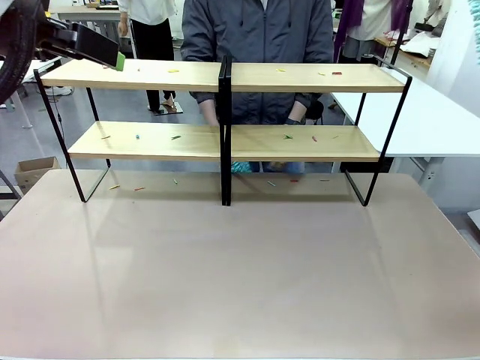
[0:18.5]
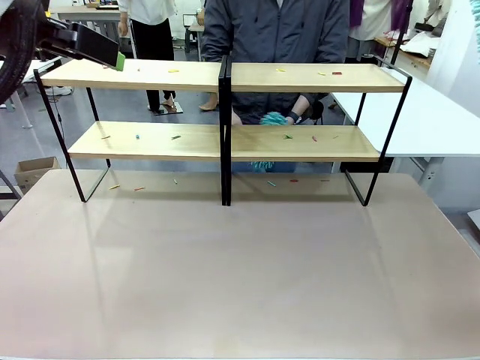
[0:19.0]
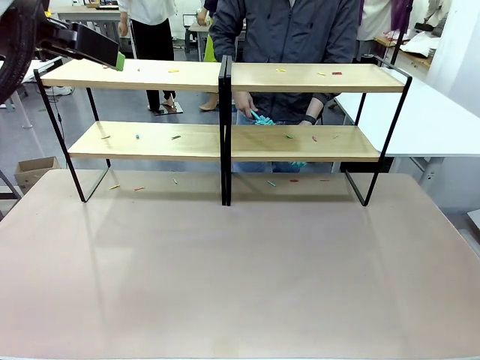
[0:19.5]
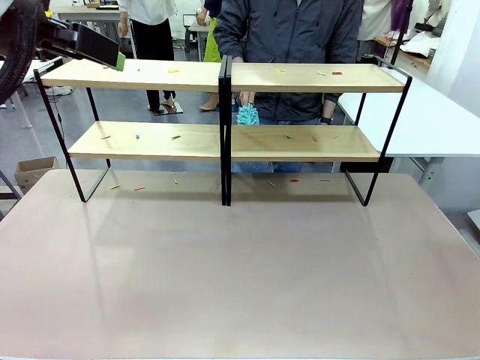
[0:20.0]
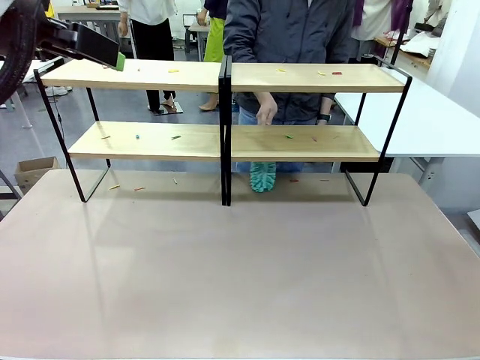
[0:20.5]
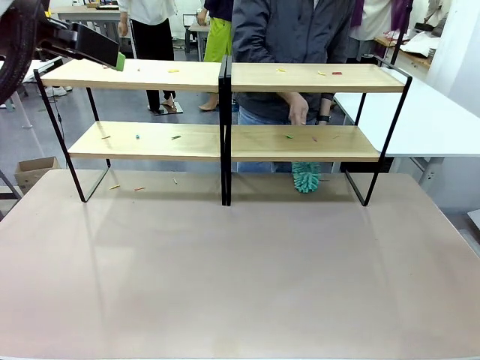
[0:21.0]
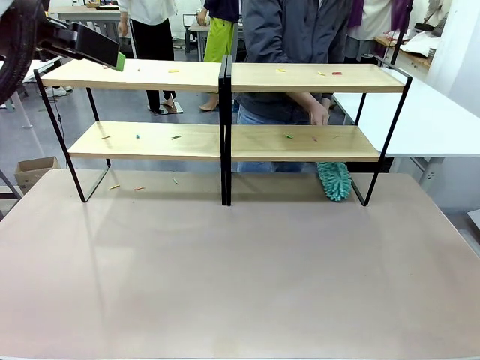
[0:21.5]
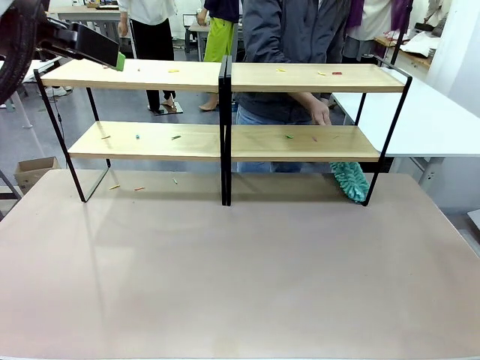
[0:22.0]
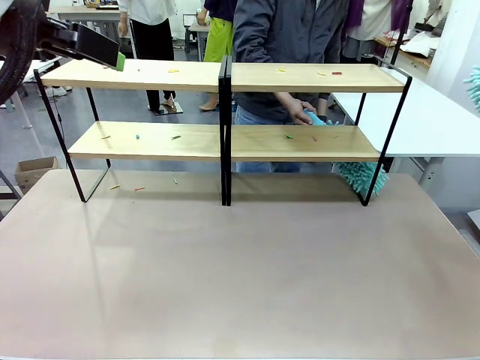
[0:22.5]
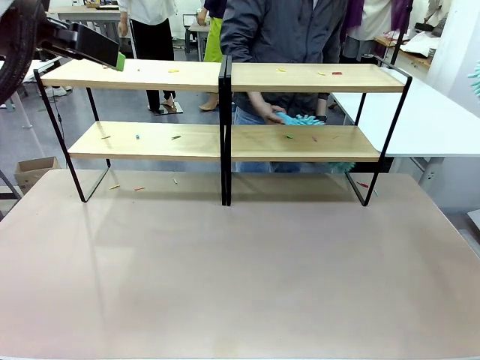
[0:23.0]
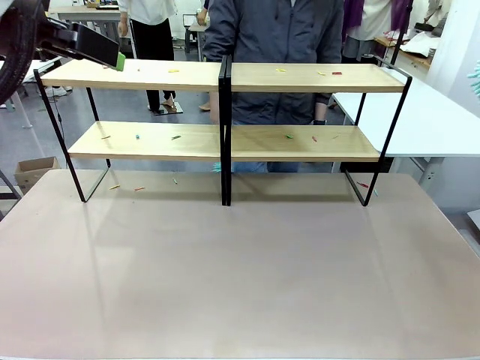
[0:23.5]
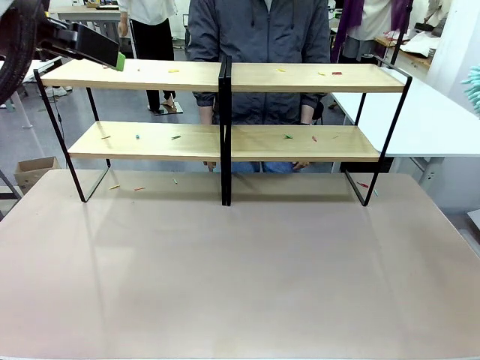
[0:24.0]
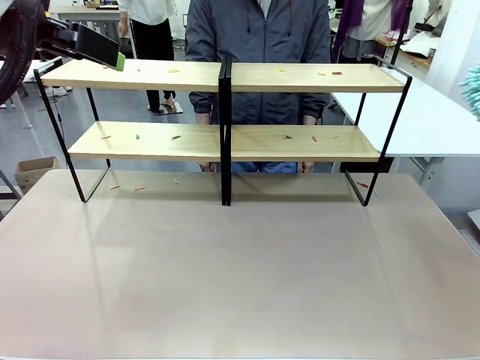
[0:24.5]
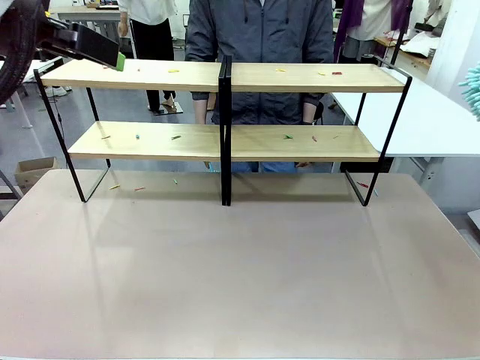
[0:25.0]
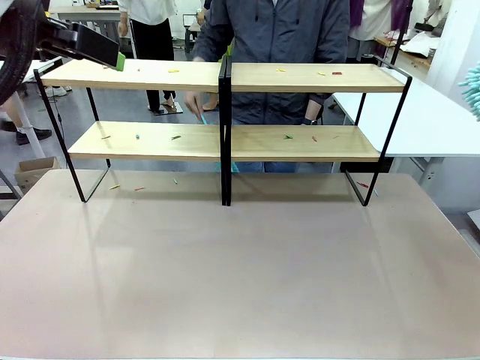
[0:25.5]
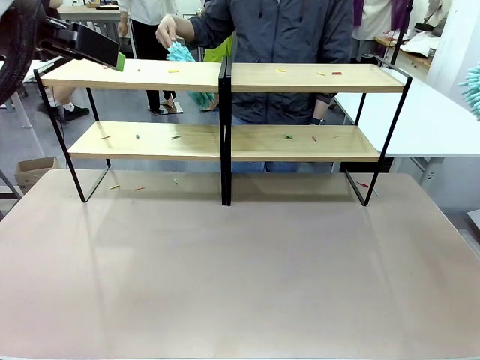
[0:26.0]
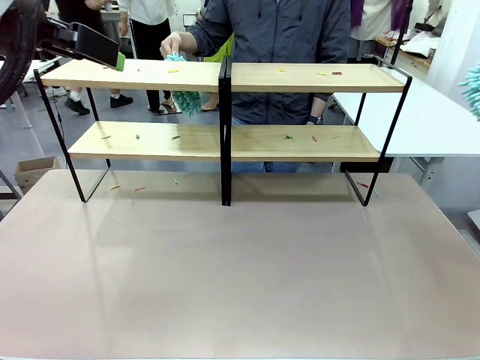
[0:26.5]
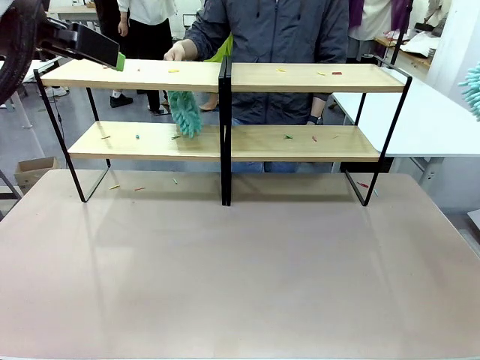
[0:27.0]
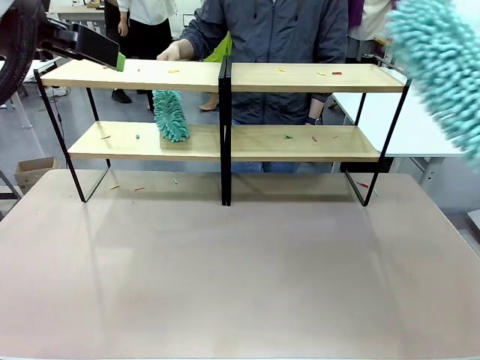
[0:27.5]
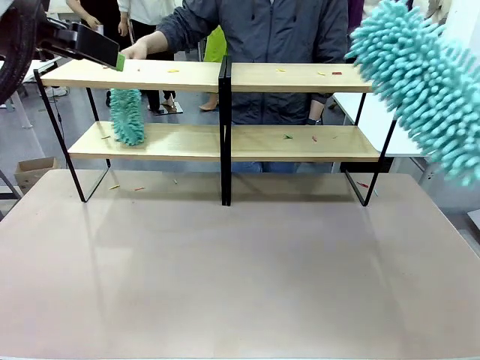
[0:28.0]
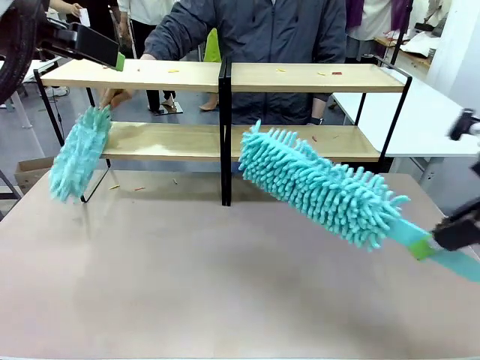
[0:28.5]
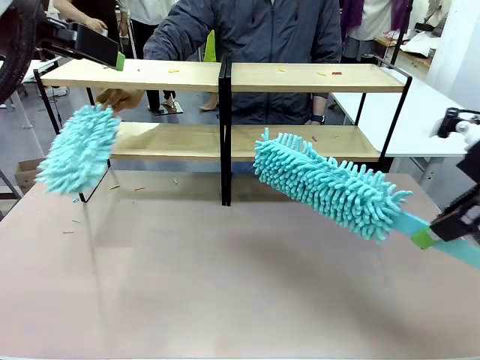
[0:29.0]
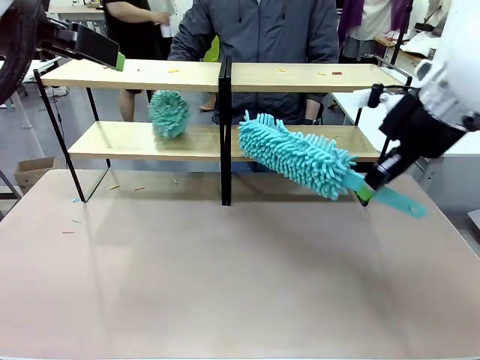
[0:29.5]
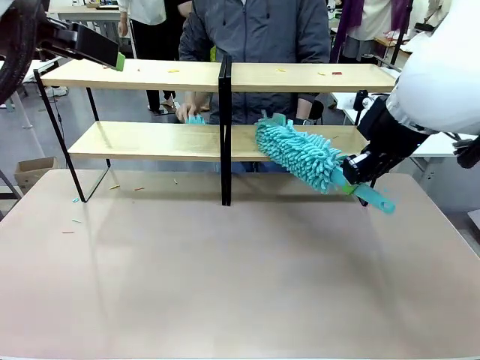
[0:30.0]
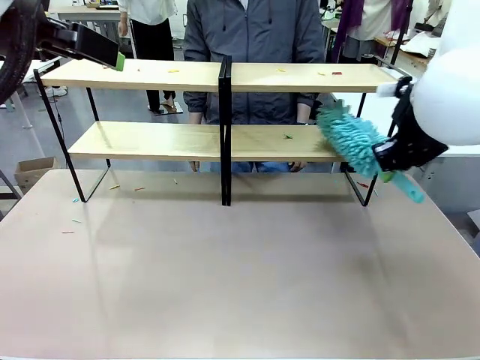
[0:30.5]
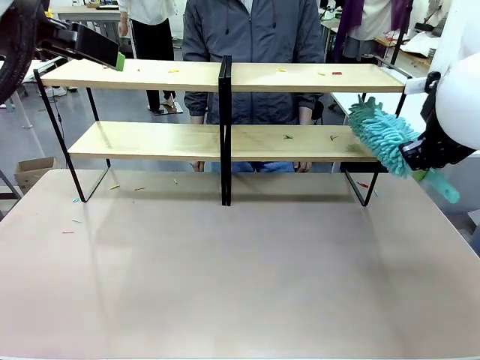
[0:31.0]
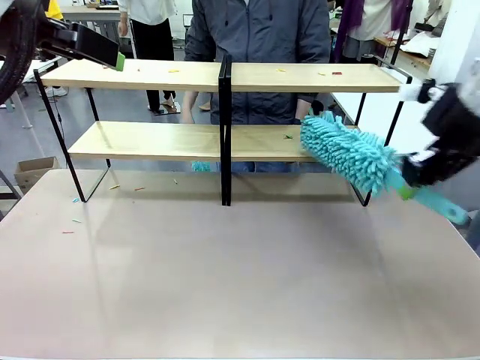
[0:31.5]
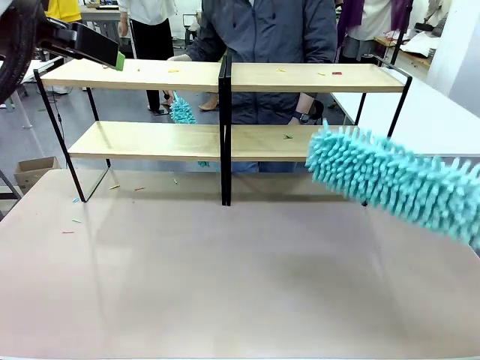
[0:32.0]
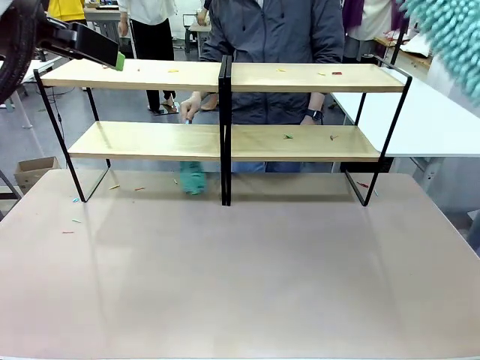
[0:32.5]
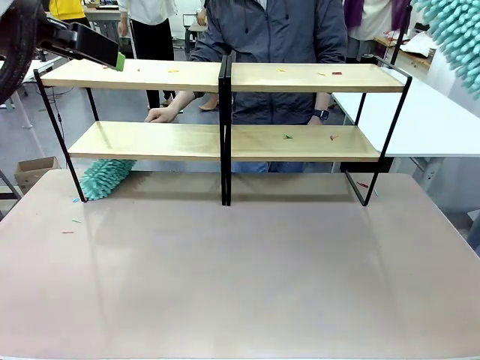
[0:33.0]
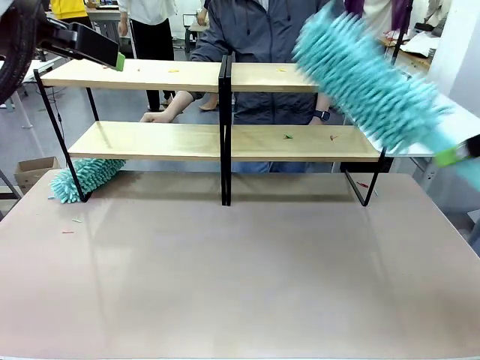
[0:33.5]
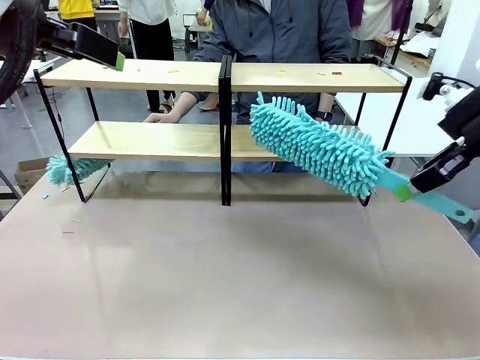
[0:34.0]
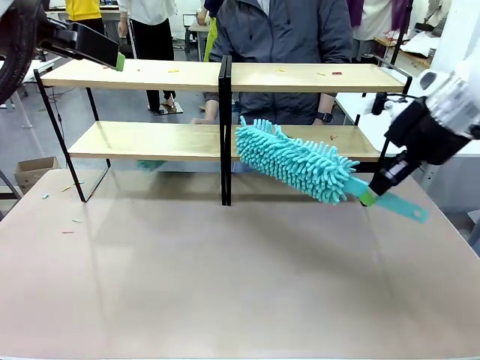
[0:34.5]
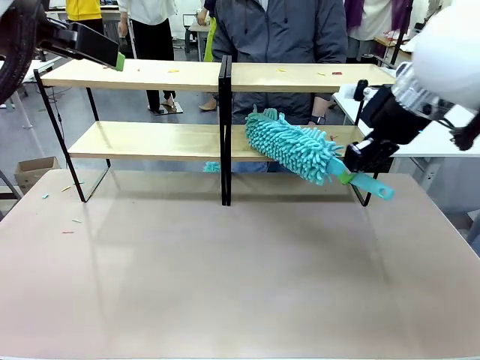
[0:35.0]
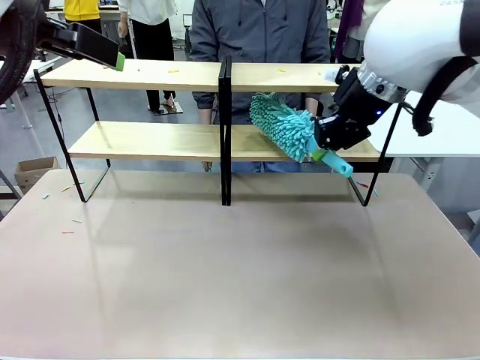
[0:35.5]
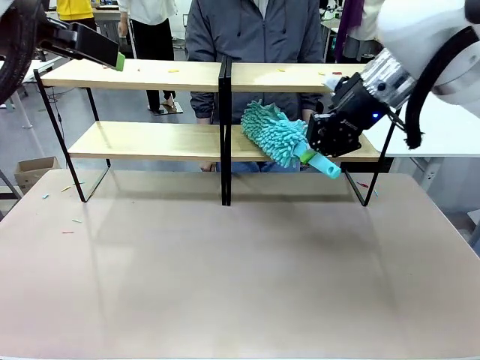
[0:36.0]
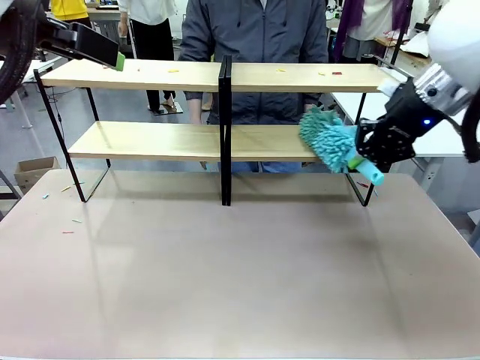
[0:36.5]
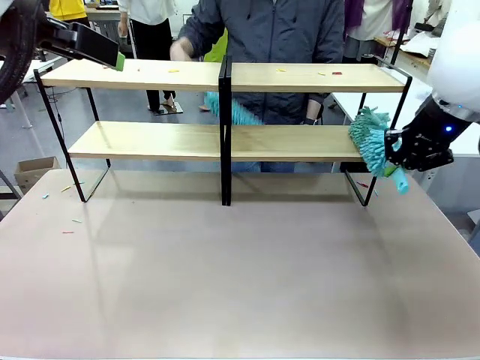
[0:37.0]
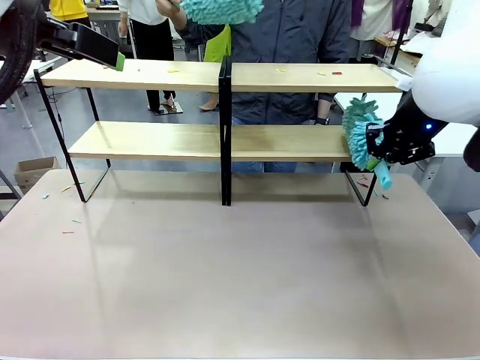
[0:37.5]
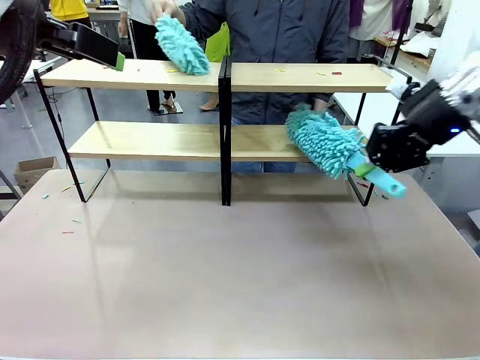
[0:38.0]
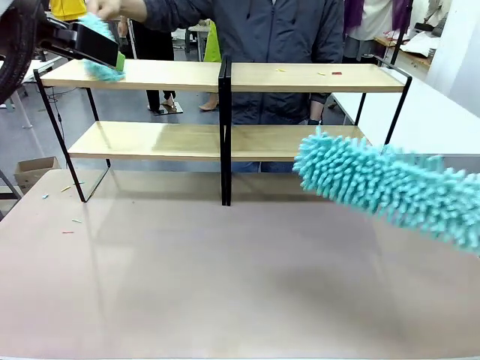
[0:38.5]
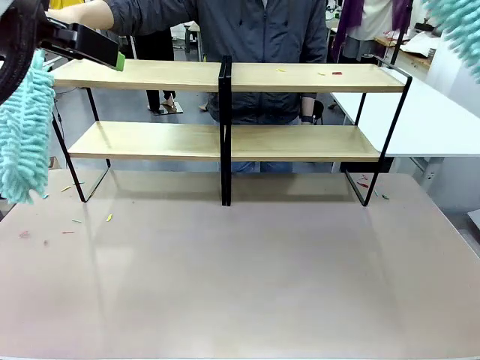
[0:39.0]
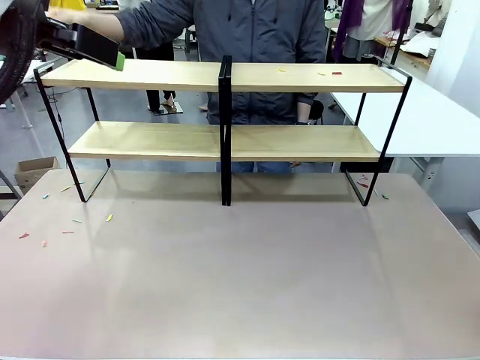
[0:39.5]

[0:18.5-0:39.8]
Task: Clean the shelves.
Robot: Clean a randomly selected level of the Shelf with the Duster.
Person: Clean a randomly selected level of the Shelf with the Duster.

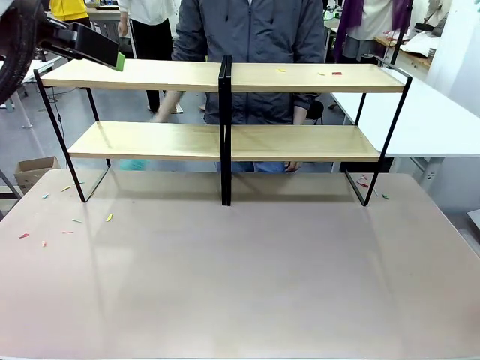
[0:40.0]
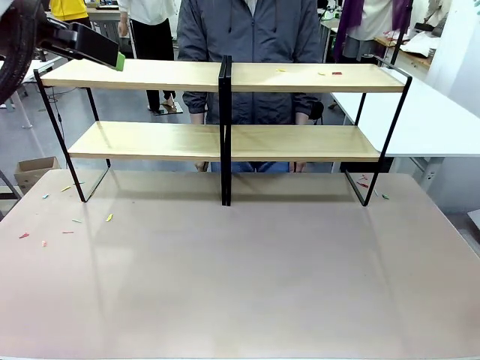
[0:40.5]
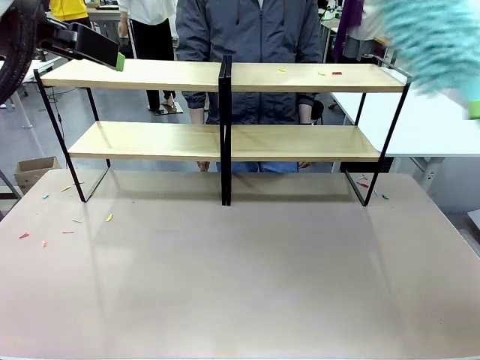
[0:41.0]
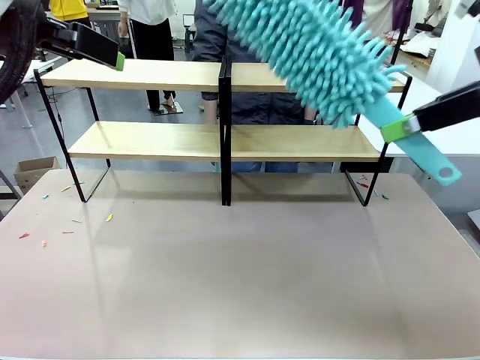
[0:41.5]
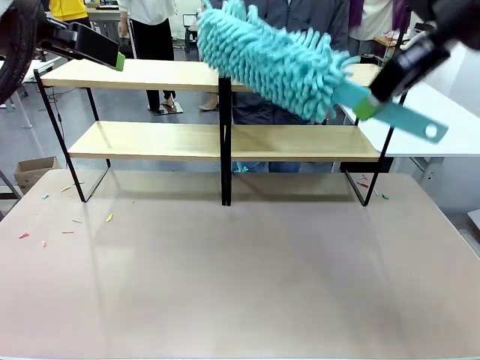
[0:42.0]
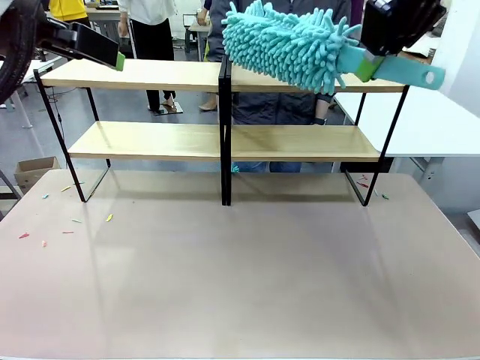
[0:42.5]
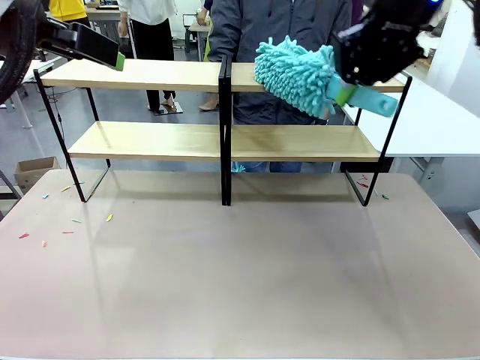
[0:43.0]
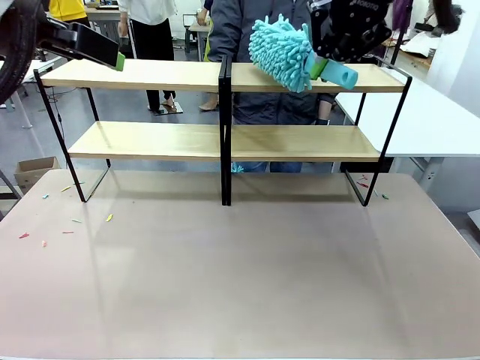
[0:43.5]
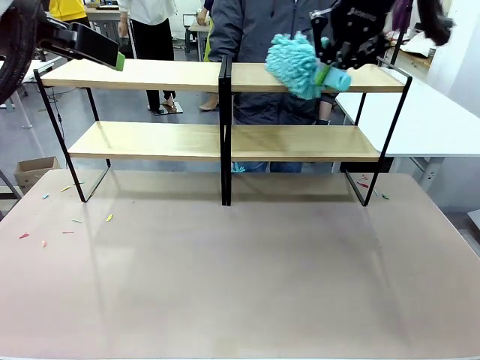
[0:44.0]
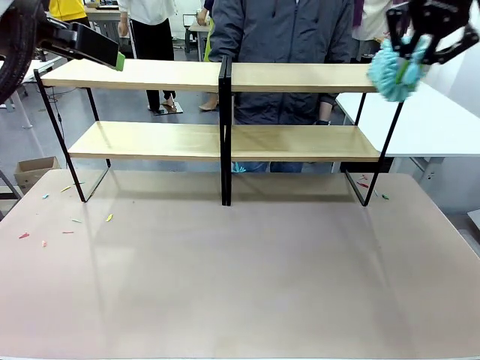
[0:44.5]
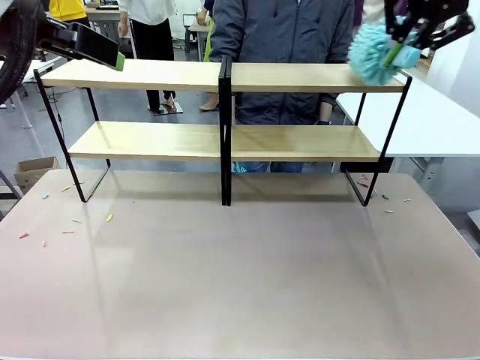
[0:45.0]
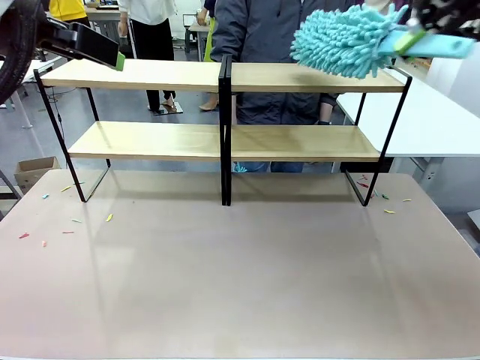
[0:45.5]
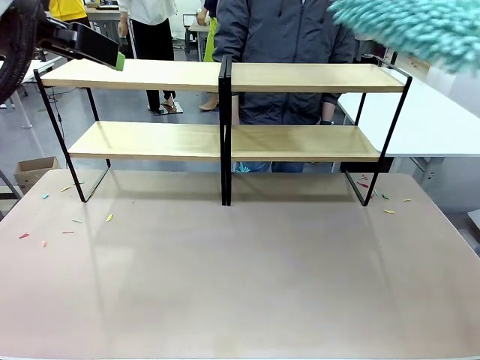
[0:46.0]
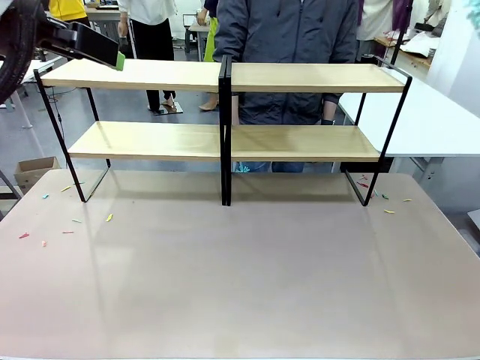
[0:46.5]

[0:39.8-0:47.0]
Robot: Clean another randomly selected level of the Shelf with the Duster.
